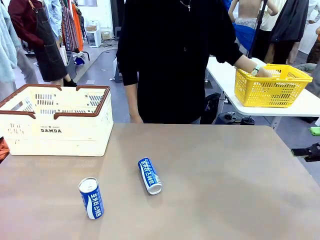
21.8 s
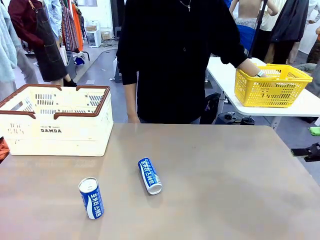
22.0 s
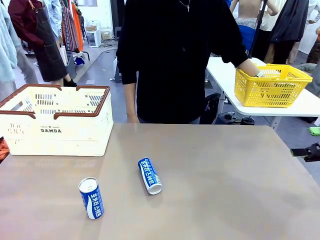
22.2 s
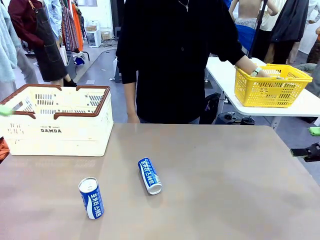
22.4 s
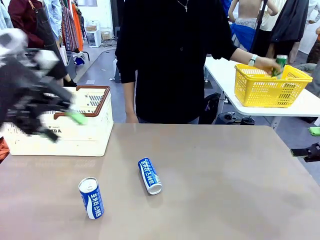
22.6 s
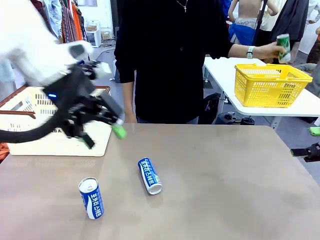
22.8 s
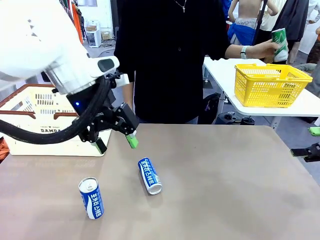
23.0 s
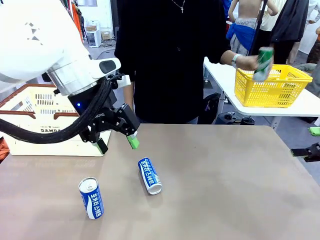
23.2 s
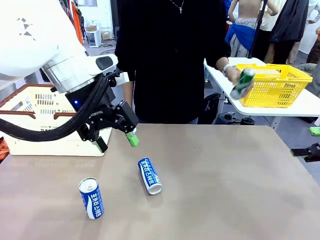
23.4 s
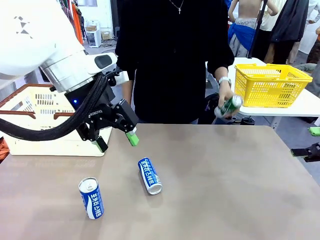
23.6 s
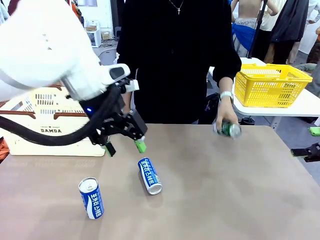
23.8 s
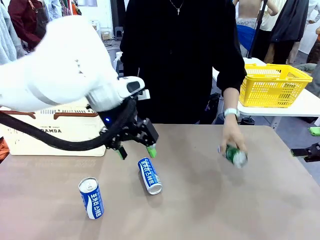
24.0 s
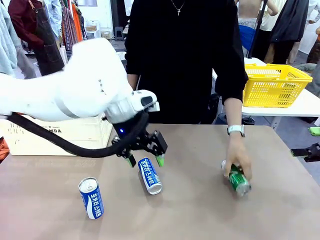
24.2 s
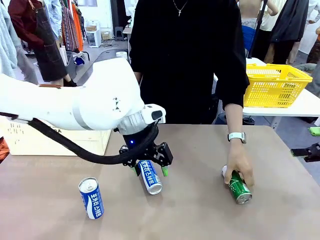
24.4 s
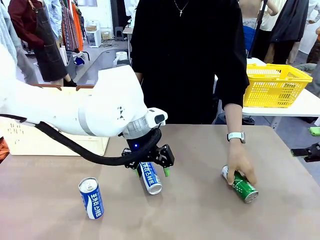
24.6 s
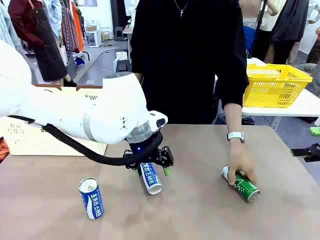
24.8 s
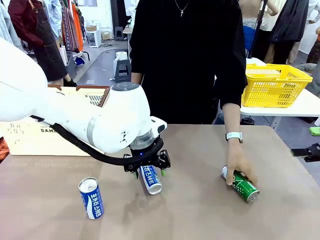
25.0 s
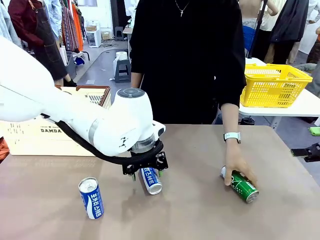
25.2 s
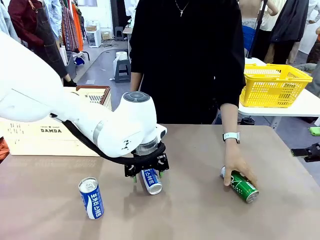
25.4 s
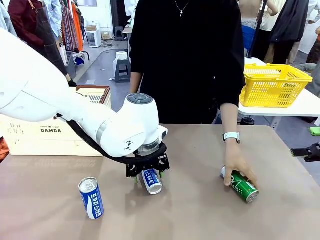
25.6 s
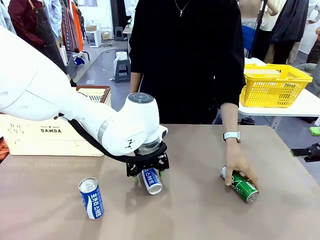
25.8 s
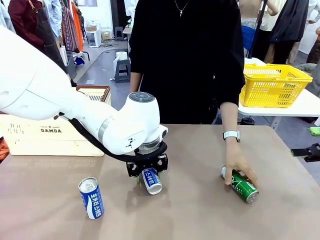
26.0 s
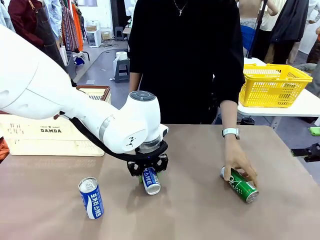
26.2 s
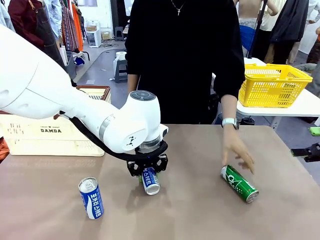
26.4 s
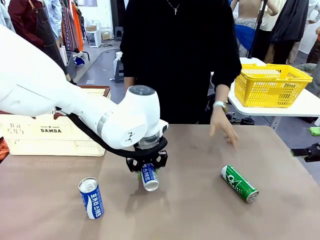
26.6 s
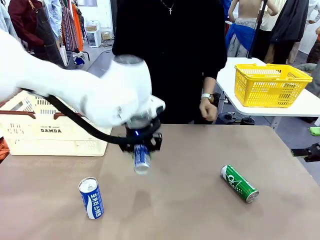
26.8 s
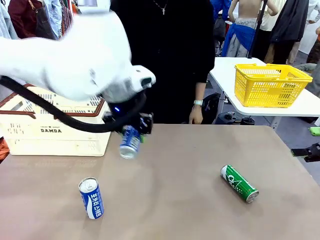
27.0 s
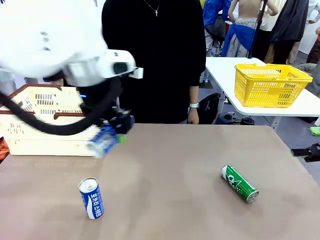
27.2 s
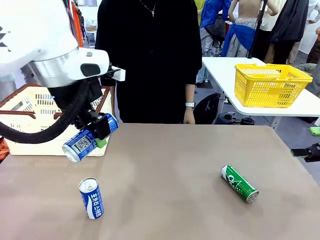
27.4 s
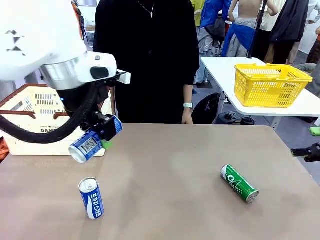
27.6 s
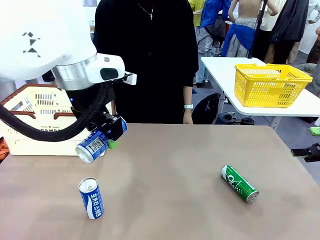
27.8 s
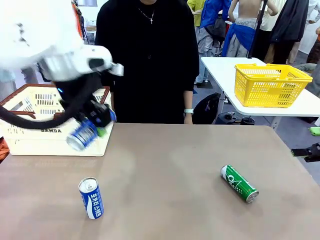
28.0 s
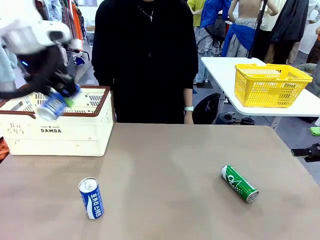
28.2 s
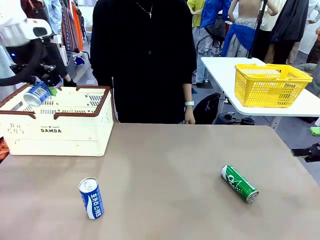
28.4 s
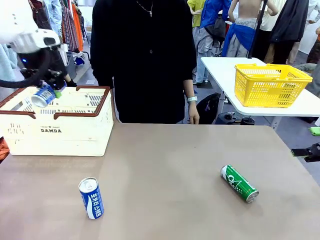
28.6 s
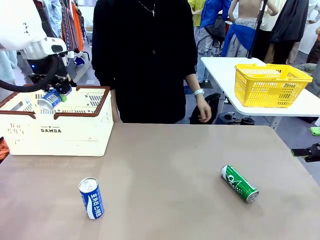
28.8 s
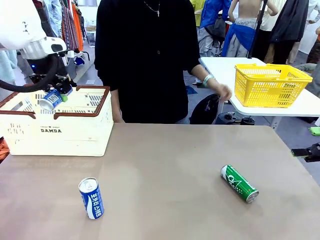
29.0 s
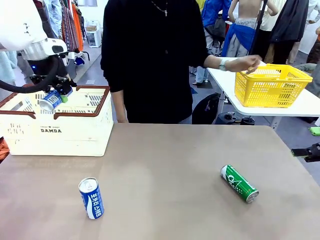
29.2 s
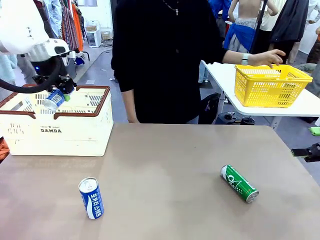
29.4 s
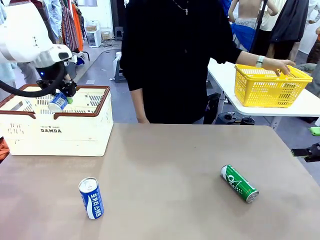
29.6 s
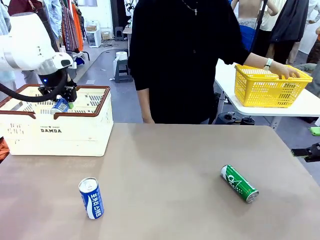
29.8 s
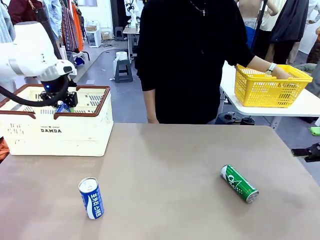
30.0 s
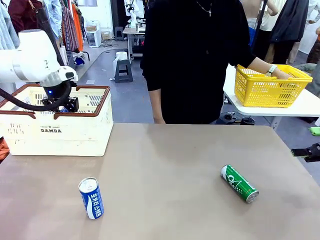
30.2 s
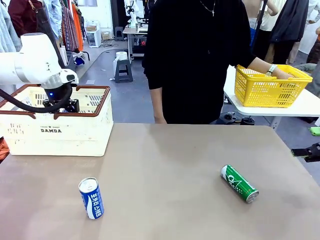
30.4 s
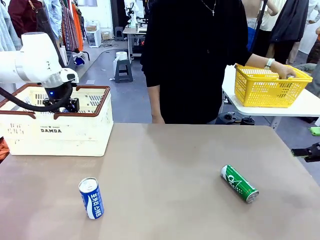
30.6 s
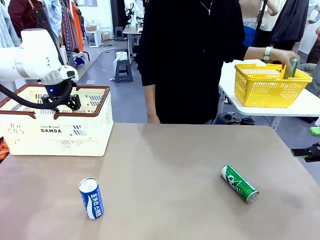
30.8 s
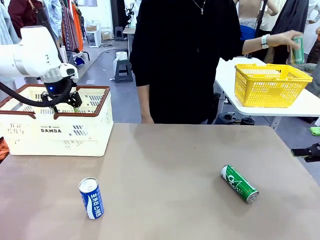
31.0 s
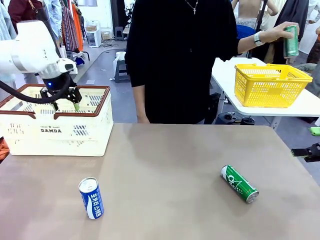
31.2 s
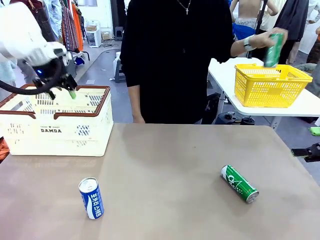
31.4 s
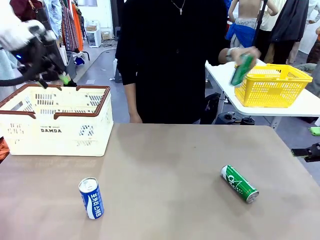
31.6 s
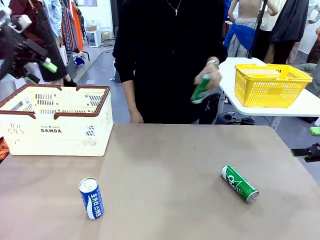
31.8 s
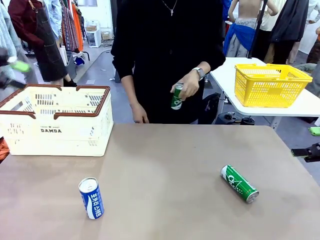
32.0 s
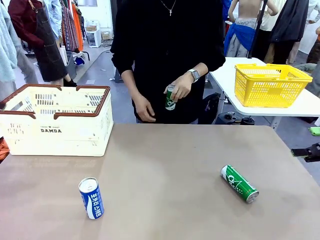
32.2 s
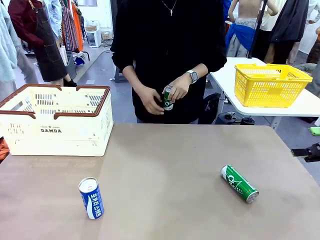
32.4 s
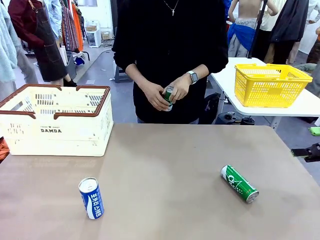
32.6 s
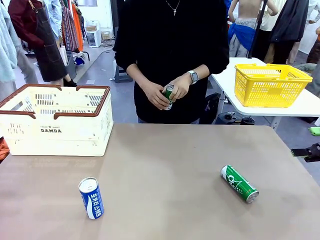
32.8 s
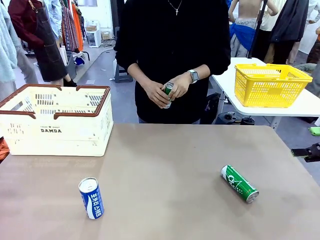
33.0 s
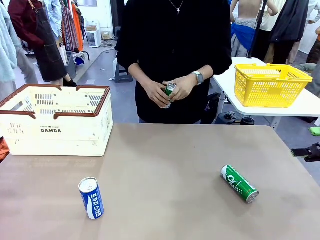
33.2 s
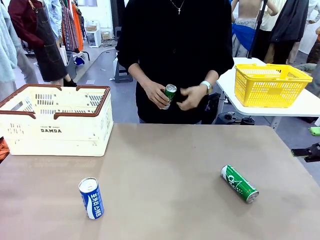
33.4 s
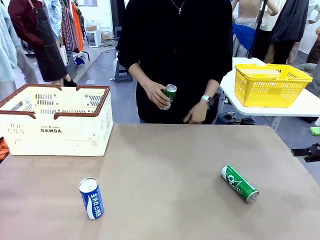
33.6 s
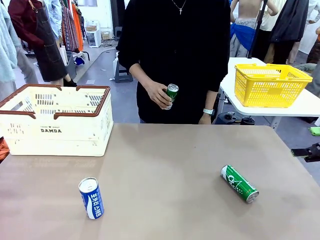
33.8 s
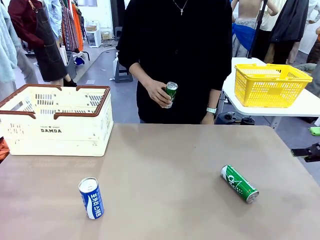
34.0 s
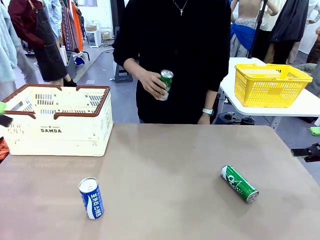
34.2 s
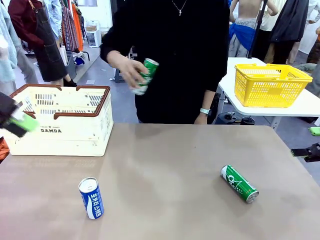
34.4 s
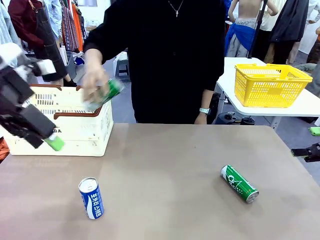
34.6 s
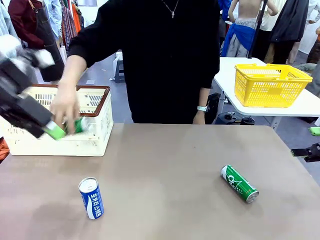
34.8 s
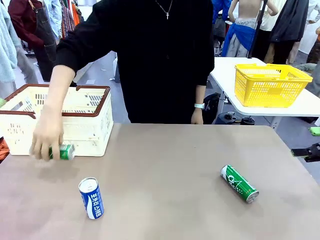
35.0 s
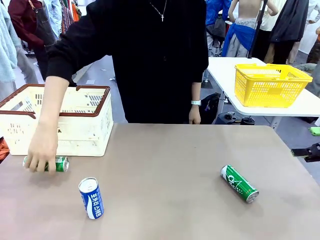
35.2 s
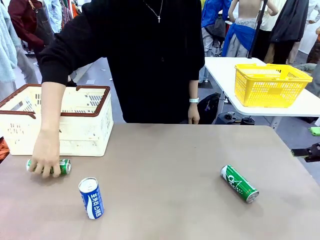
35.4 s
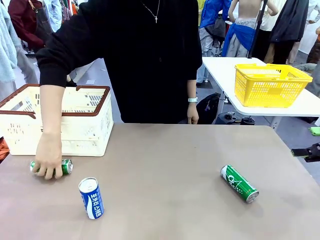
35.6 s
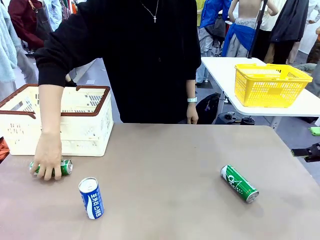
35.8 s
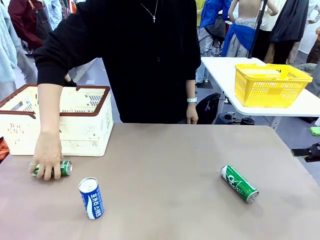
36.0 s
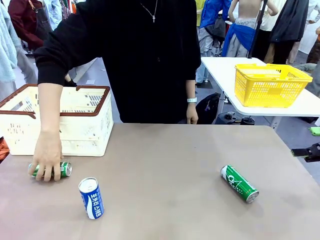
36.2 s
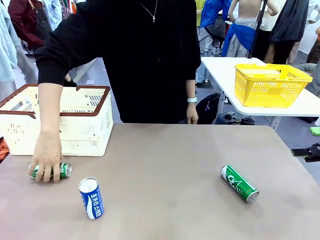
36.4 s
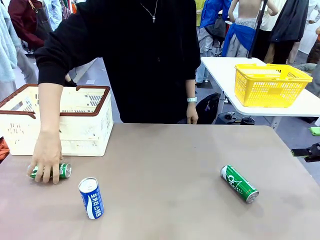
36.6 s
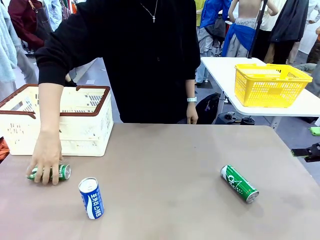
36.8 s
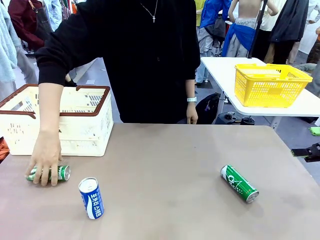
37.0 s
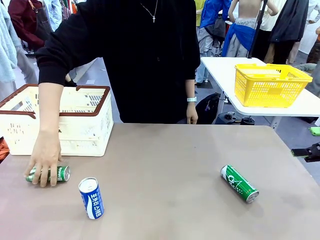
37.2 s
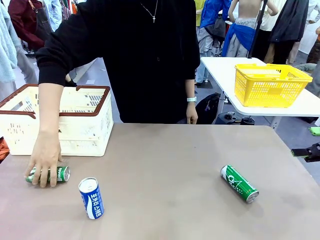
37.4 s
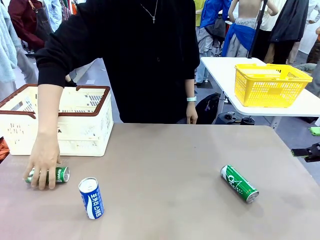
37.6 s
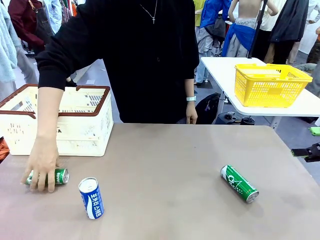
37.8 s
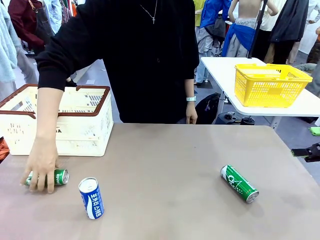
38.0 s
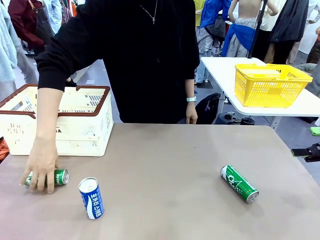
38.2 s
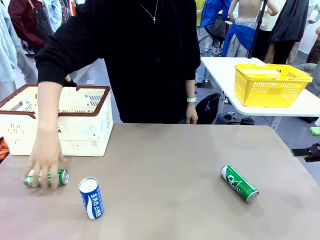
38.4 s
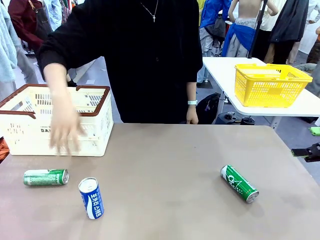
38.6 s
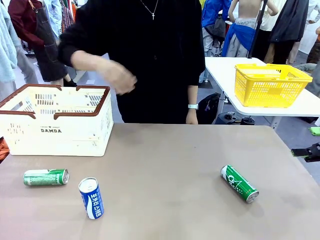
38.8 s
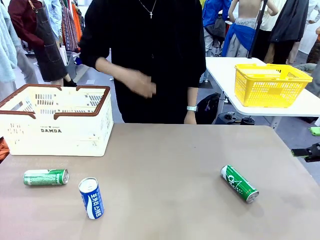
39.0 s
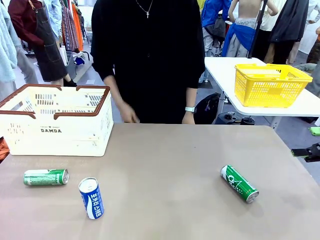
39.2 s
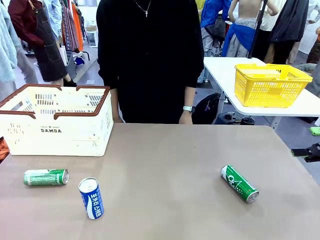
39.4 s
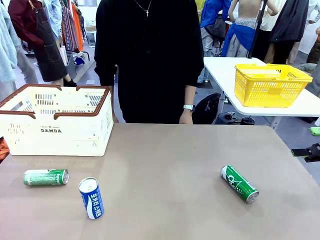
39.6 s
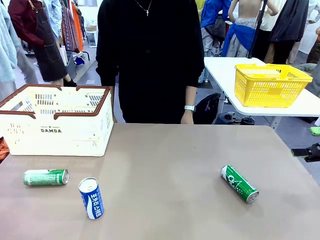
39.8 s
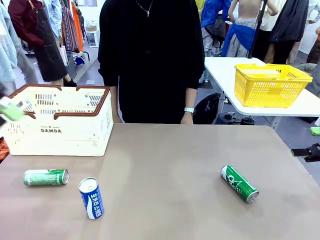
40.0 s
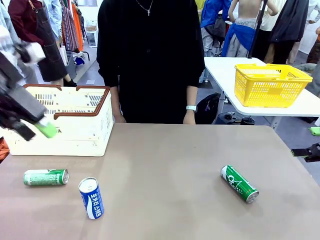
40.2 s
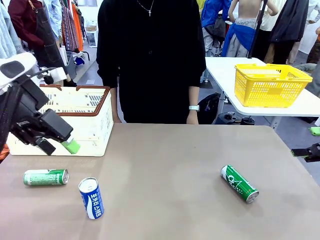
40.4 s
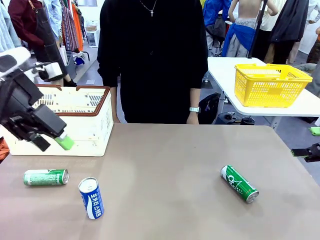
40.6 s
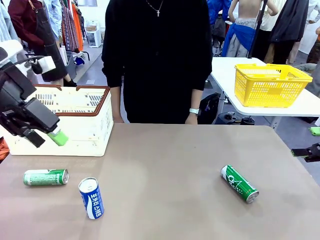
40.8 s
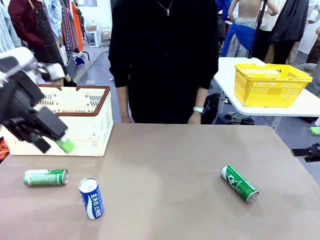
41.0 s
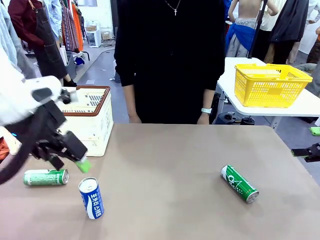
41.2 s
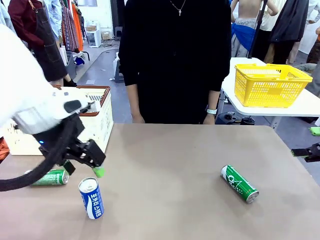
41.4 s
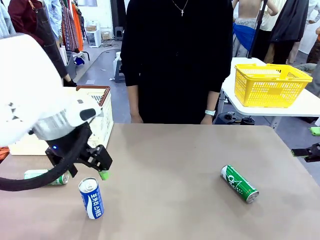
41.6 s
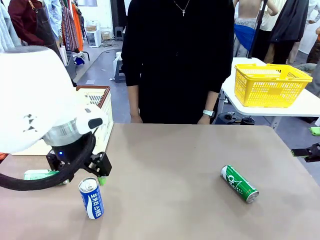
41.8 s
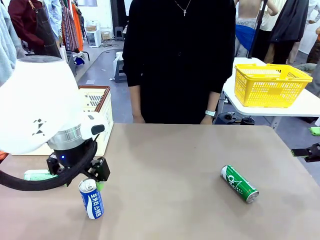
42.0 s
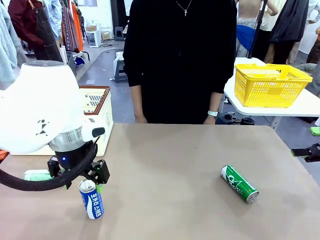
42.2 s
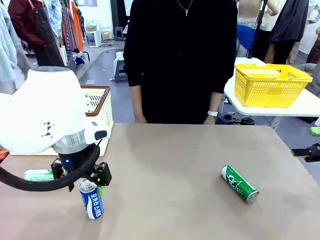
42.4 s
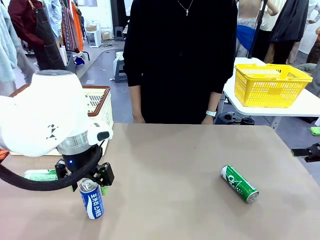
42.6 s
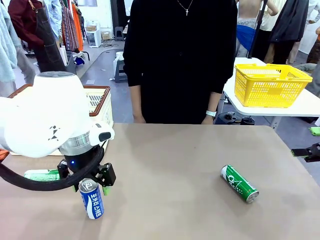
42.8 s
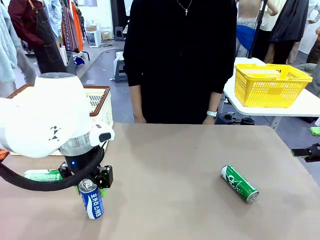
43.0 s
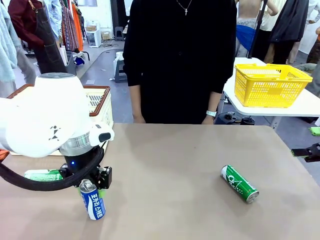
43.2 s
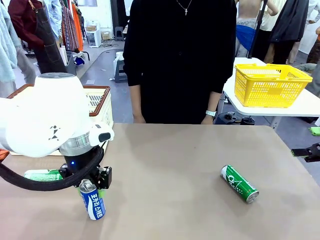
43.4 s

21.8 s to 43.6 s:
Task: Place the drinks into the Shopping basket.
Robot: Pick up one drink and place it into the Shopping basket.
